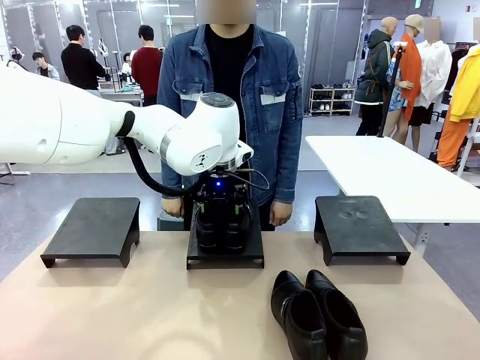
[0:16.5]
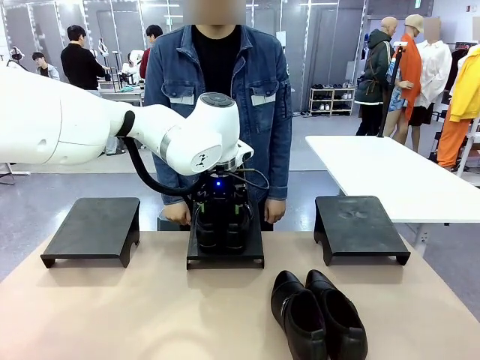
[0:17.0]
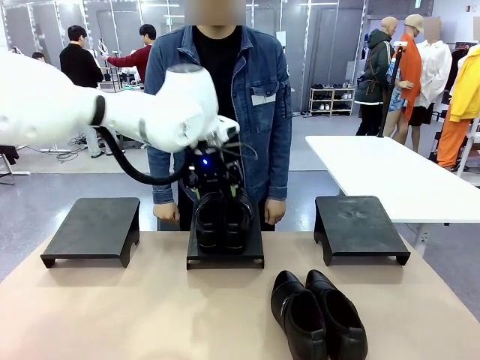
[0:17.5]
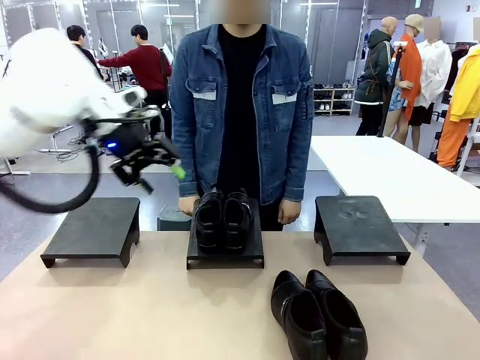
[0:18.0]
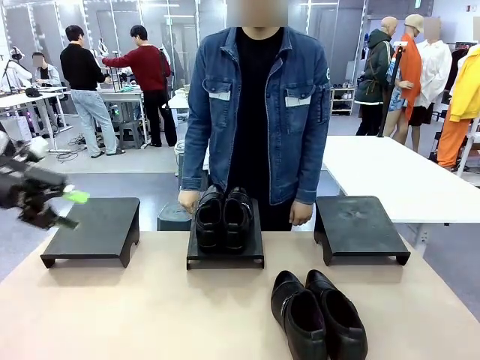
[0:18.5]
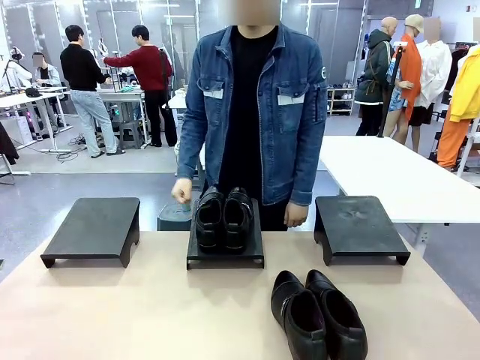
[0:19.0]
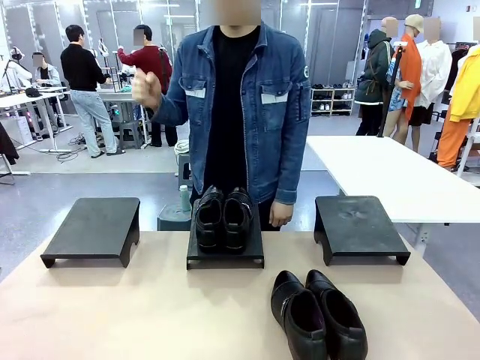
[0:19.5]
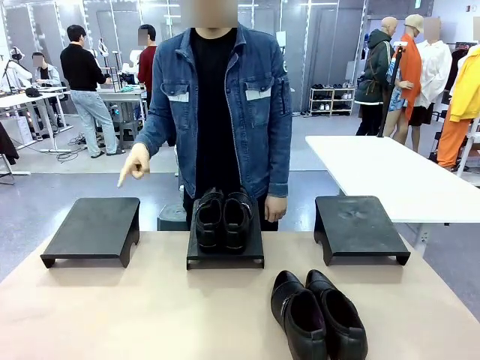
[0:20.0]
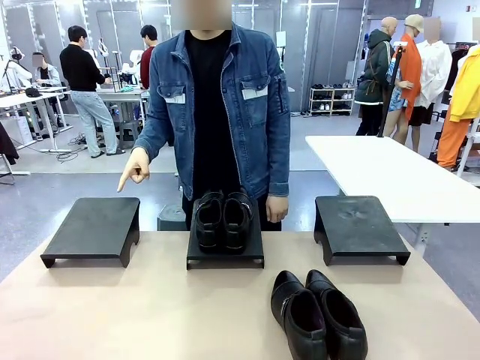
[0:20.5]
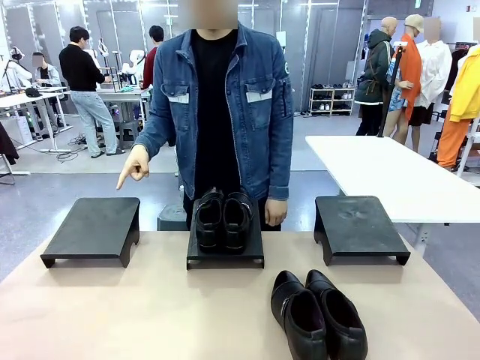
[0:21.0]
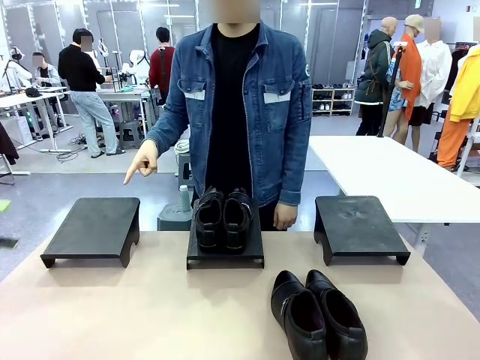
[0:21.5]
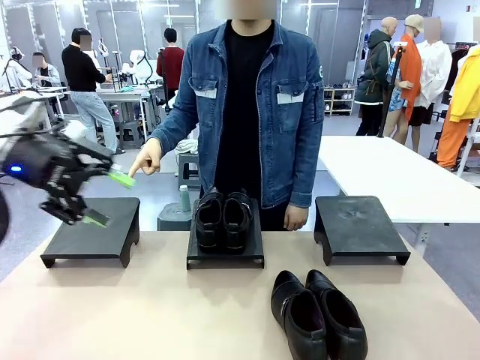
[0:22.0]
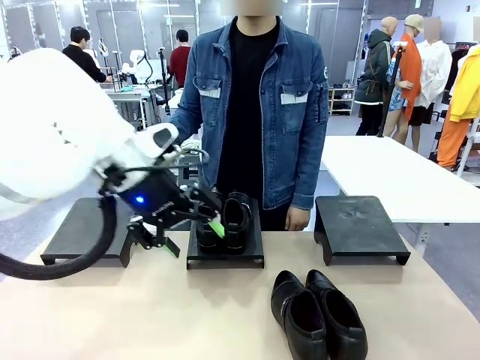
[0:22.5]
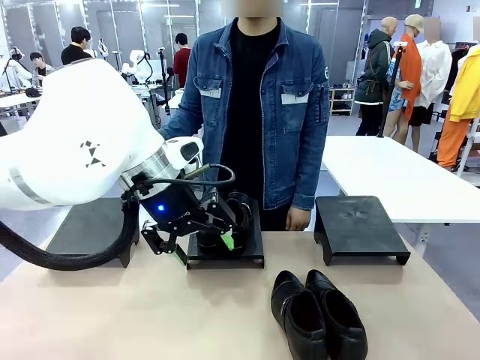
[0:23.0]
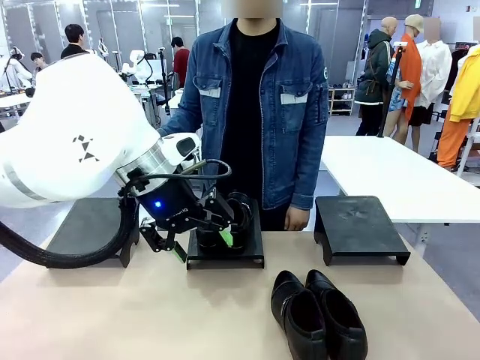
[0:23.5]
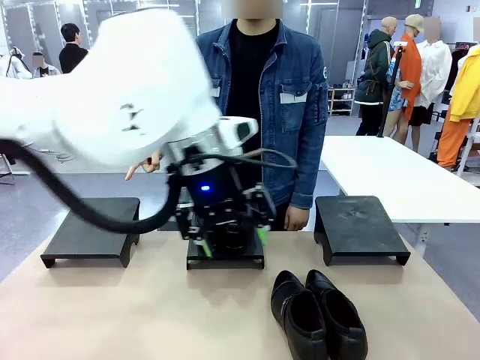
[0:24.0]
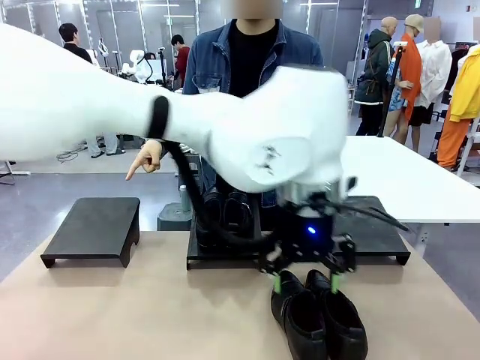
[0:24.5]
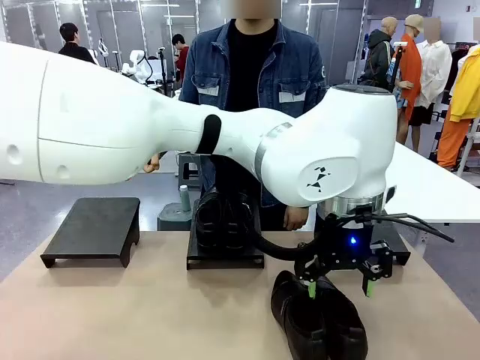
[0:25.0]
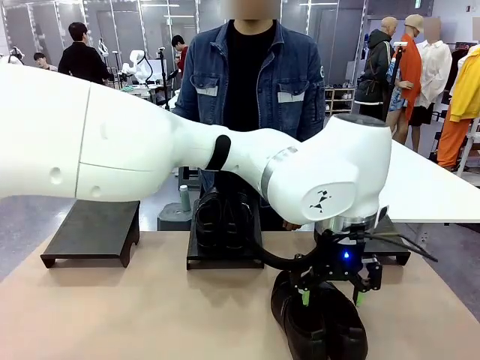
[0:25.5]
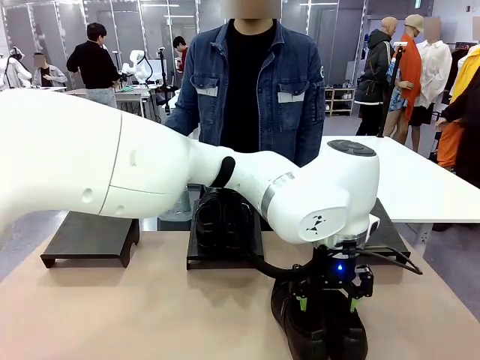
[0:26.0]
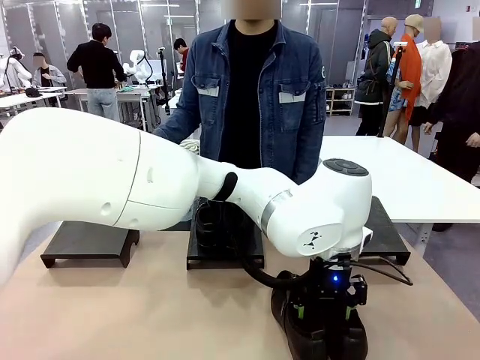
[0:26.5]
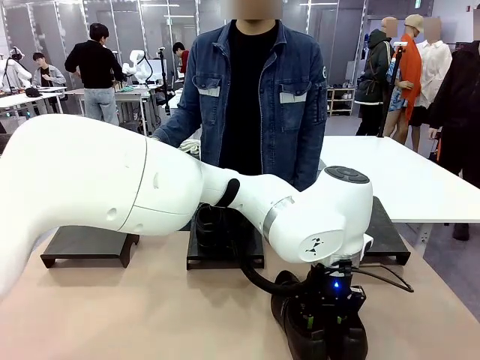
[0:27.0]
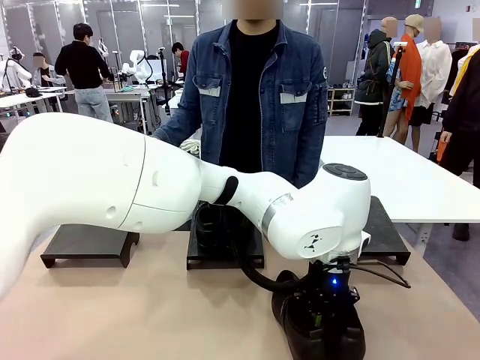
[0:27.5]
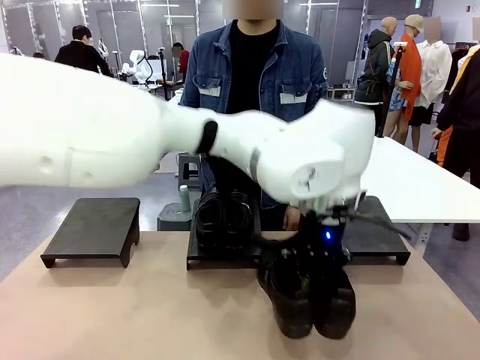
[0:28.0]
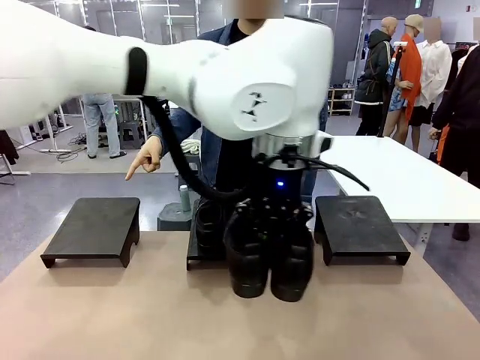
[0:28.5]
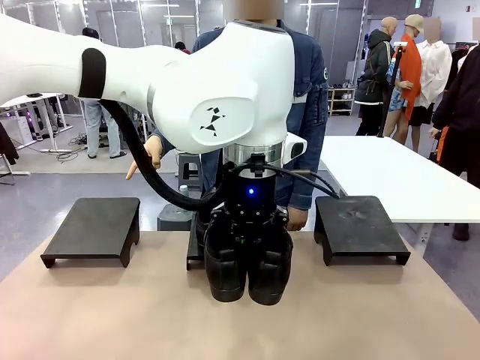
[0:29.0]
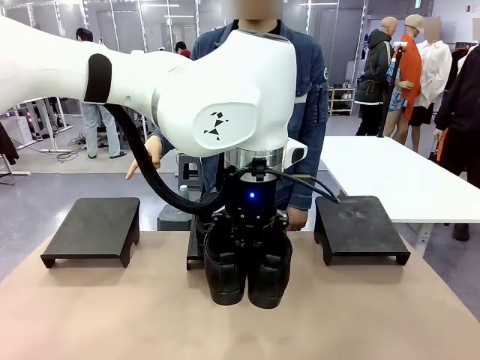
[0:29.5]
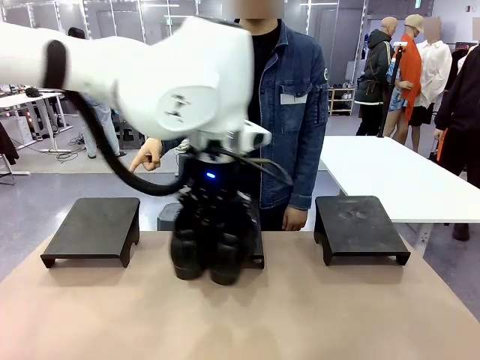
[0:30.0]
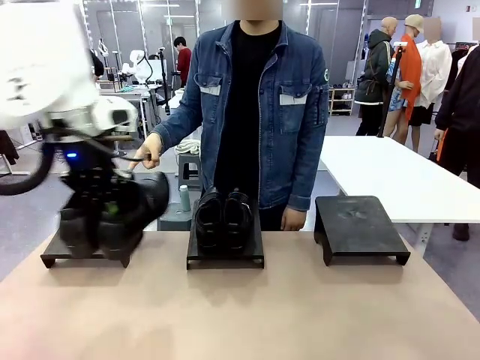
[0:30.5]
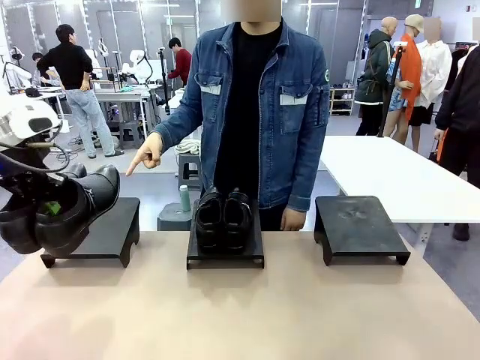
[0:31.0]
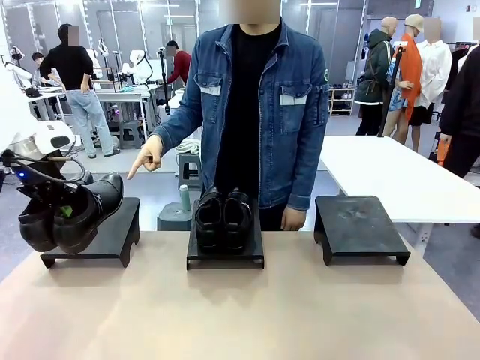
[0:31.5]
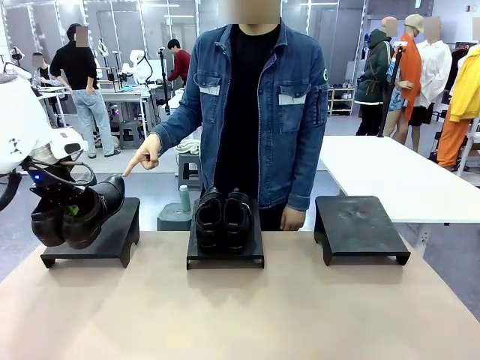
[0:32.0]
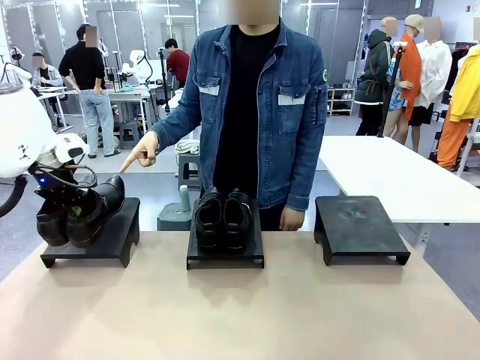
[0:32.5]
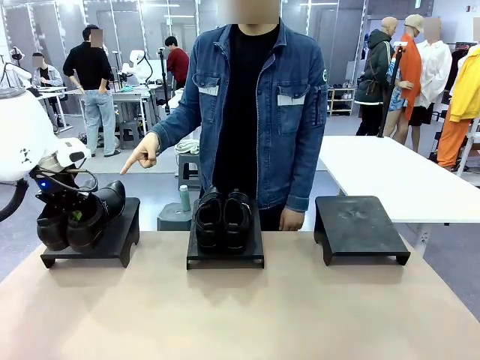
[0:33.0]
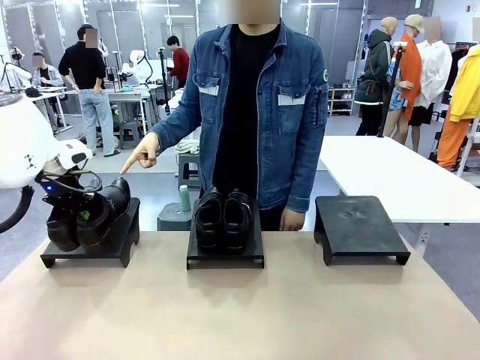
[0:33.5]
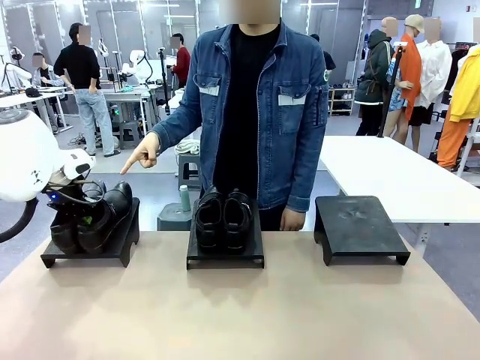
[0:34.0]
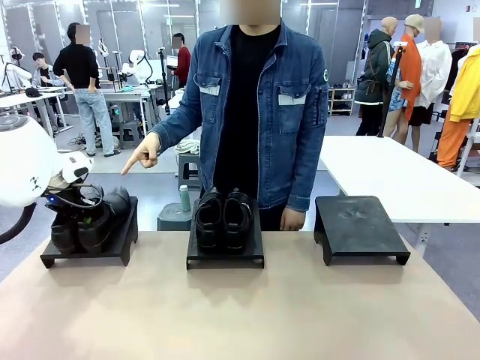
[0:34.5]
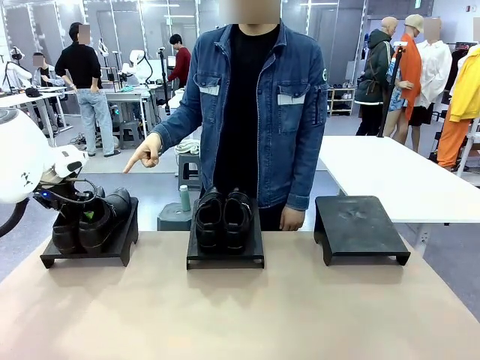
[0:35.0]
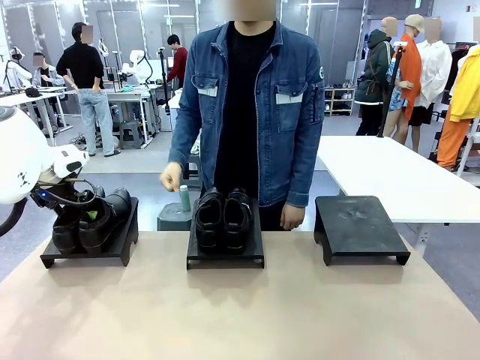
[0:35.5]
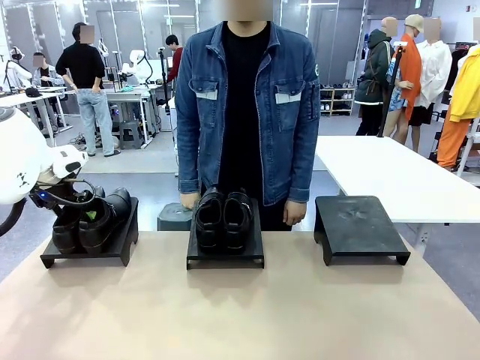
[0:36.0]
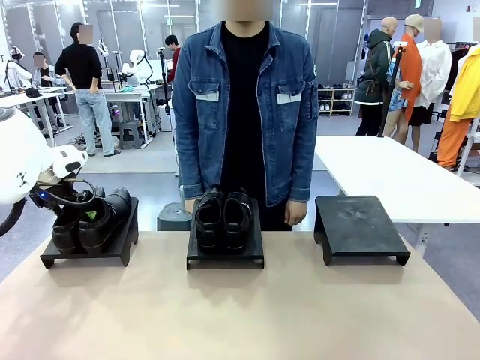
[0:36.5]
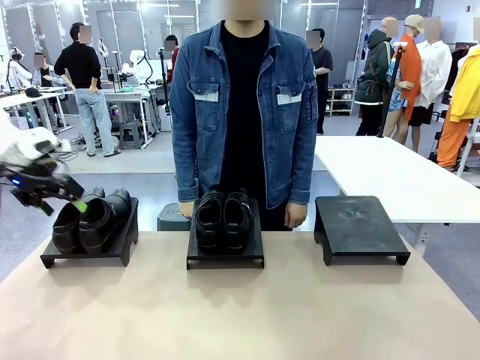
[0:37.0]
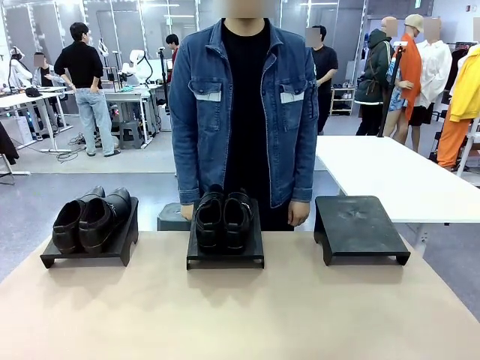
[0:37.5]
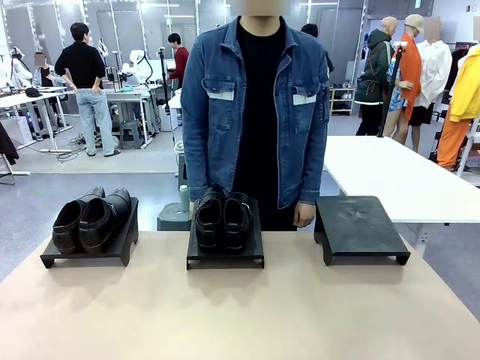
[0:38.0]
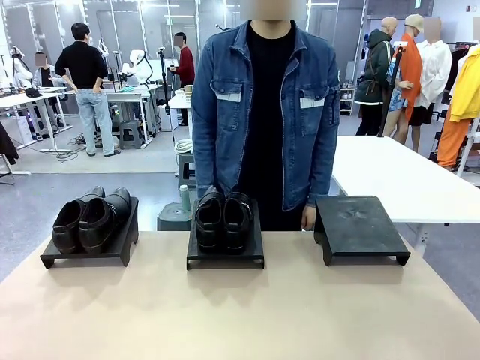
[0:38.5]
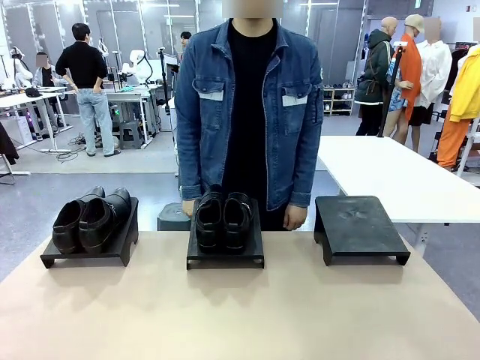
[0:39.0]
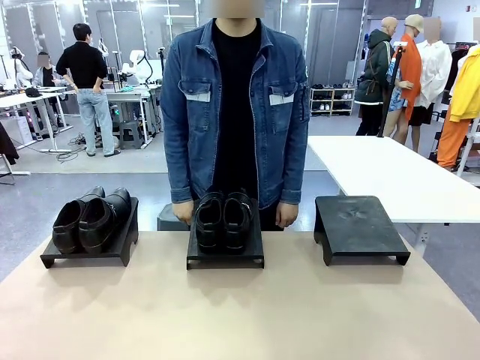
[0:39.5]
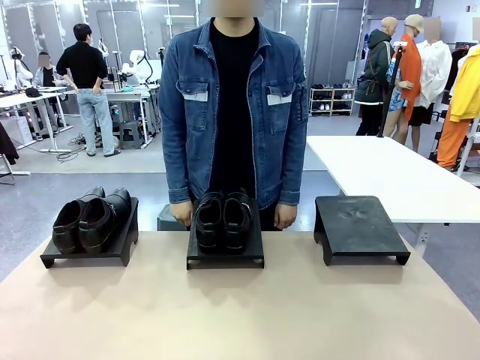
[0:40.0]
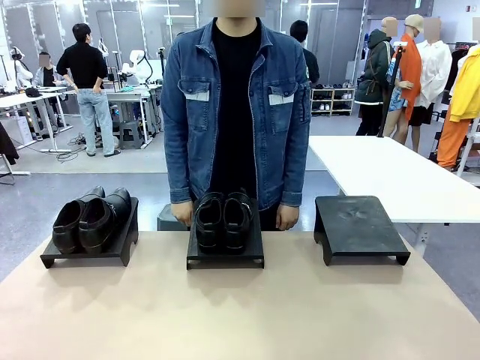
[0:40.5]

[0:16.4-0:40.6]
Task: Place the shoes on the stand as instructed by the person.
Robot: Pick up another pair of Shoes and place it on the Shoes Stand indicated by the person.
Person: Point to one Shoes Stand.
